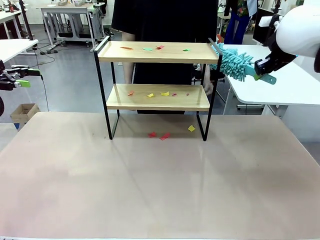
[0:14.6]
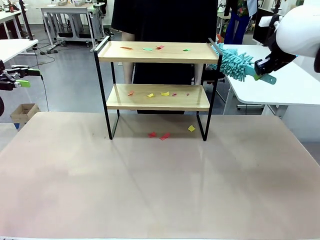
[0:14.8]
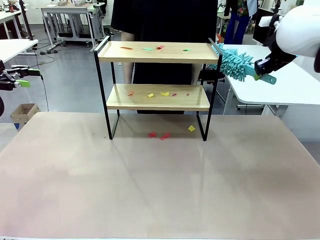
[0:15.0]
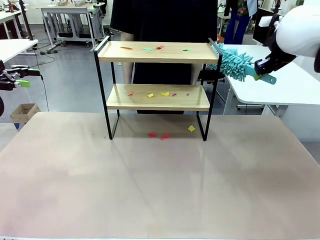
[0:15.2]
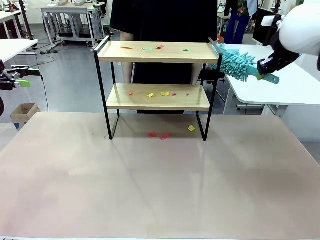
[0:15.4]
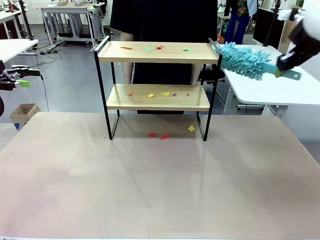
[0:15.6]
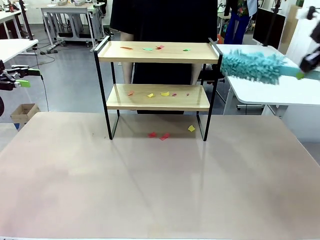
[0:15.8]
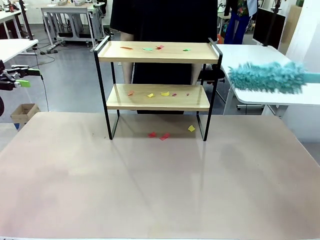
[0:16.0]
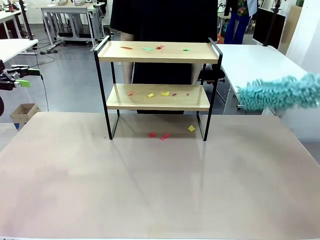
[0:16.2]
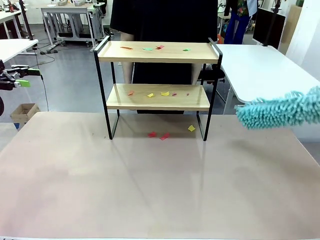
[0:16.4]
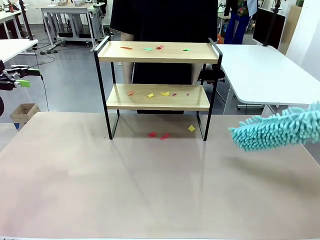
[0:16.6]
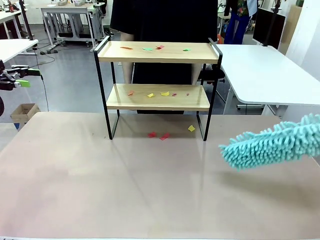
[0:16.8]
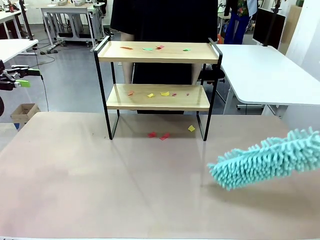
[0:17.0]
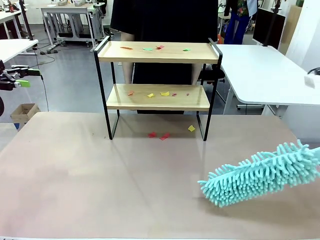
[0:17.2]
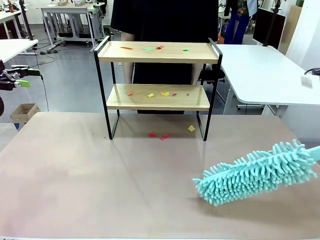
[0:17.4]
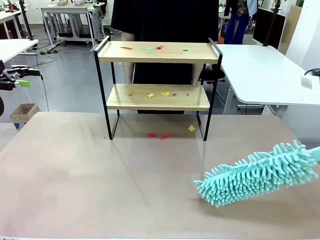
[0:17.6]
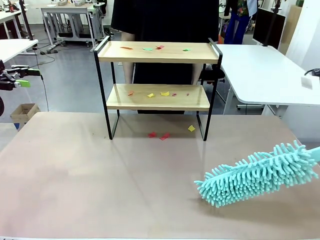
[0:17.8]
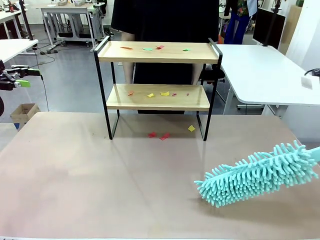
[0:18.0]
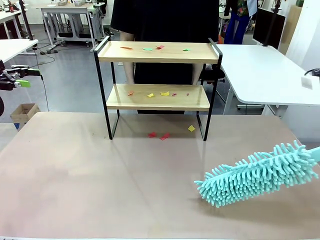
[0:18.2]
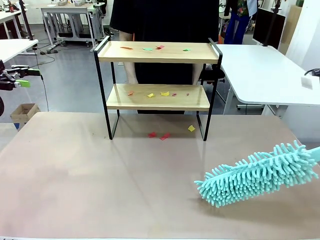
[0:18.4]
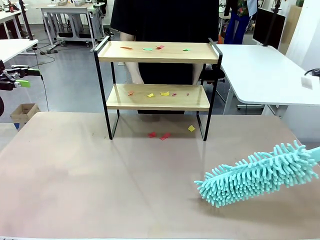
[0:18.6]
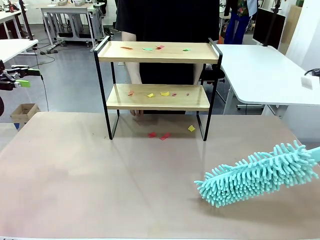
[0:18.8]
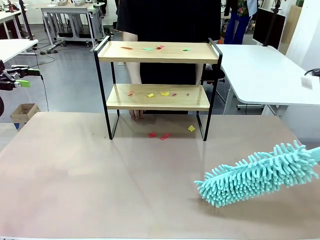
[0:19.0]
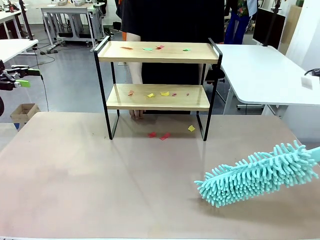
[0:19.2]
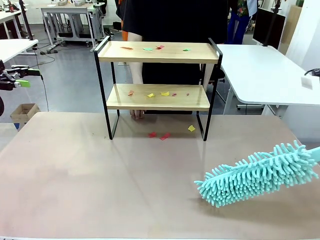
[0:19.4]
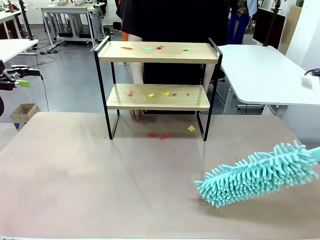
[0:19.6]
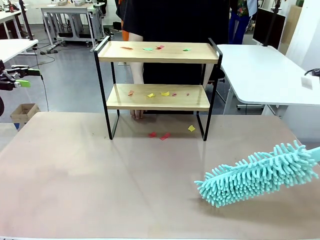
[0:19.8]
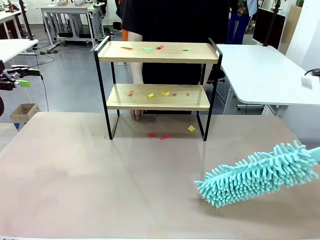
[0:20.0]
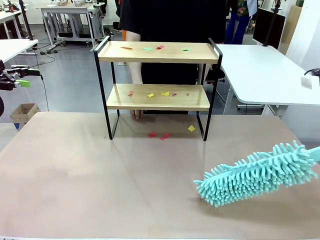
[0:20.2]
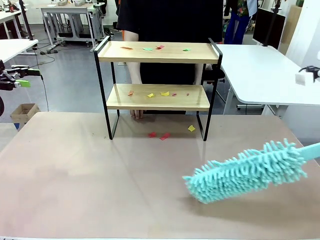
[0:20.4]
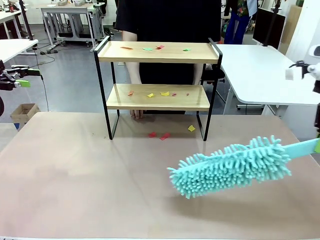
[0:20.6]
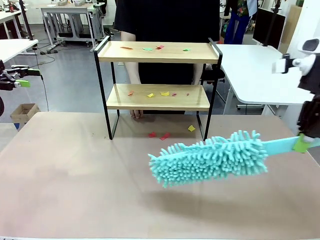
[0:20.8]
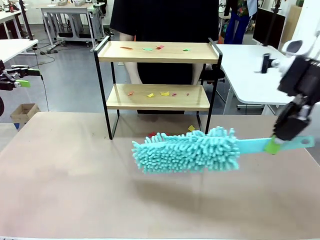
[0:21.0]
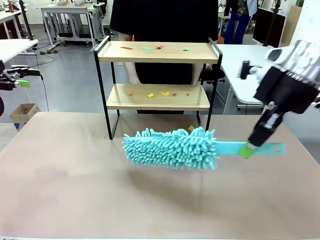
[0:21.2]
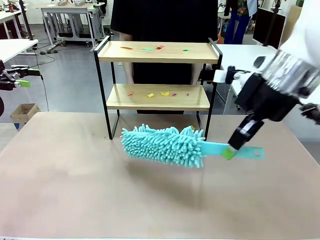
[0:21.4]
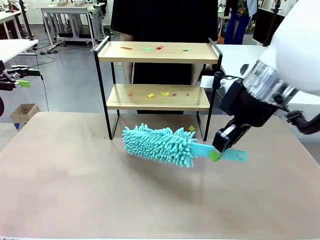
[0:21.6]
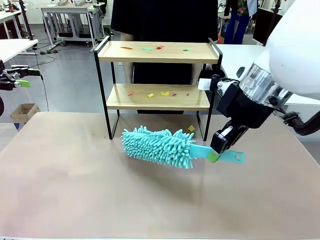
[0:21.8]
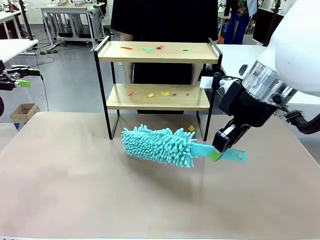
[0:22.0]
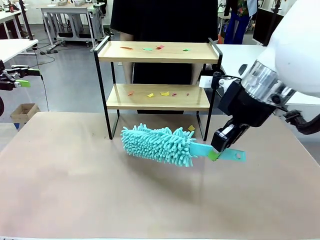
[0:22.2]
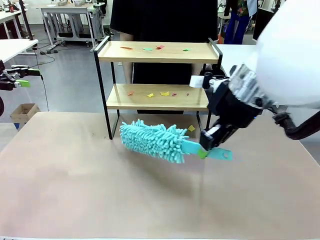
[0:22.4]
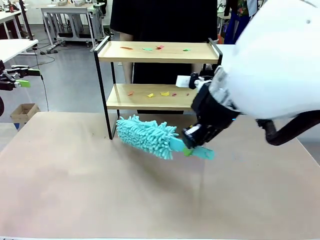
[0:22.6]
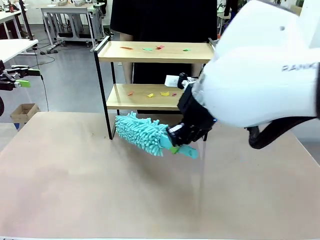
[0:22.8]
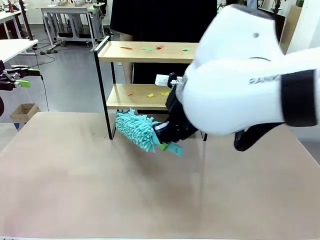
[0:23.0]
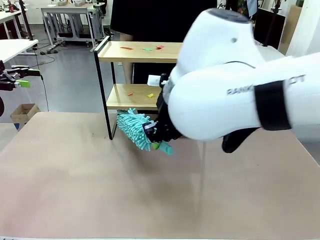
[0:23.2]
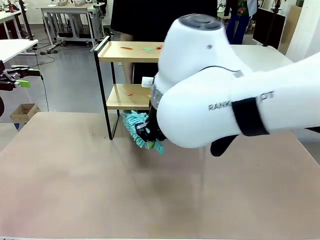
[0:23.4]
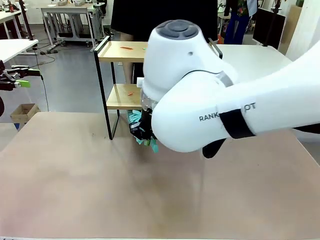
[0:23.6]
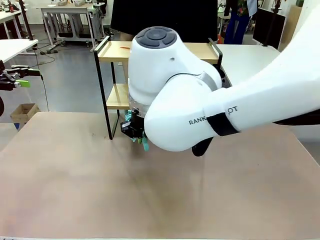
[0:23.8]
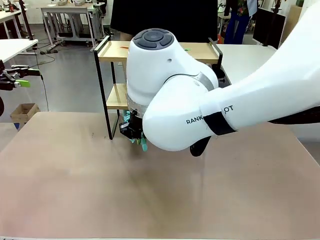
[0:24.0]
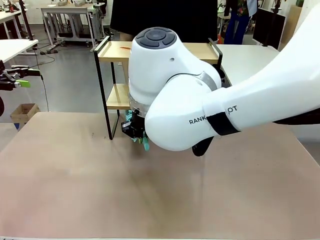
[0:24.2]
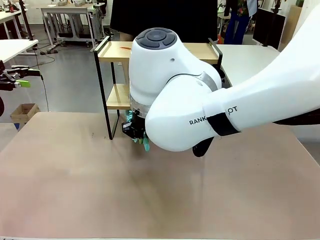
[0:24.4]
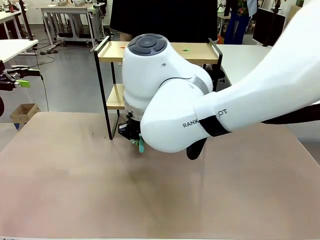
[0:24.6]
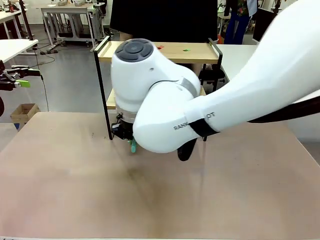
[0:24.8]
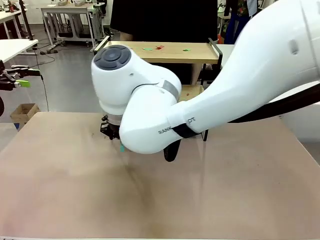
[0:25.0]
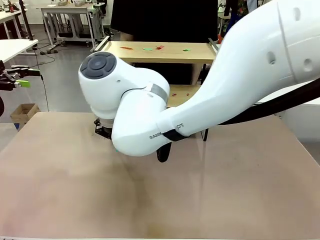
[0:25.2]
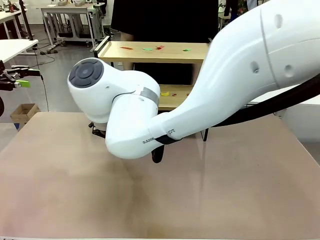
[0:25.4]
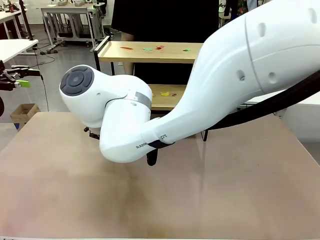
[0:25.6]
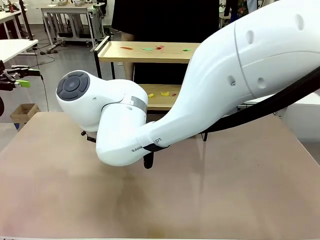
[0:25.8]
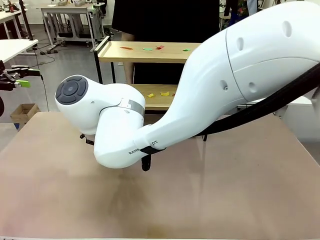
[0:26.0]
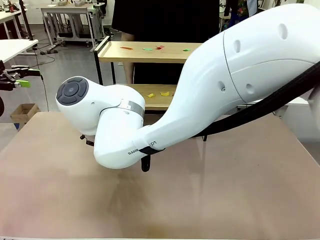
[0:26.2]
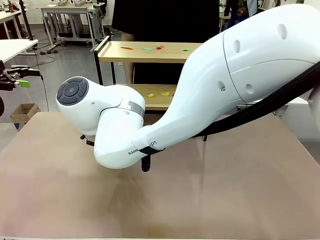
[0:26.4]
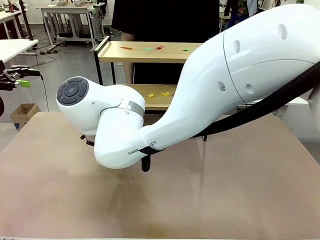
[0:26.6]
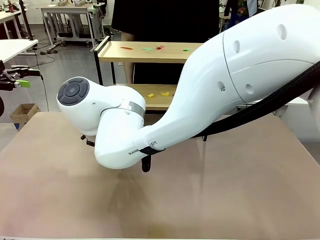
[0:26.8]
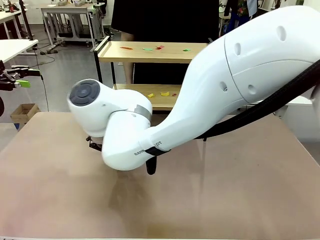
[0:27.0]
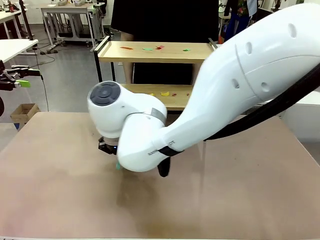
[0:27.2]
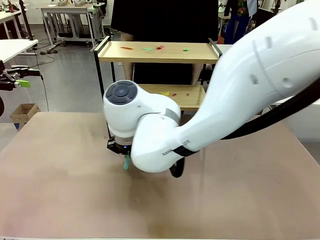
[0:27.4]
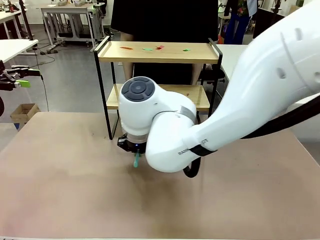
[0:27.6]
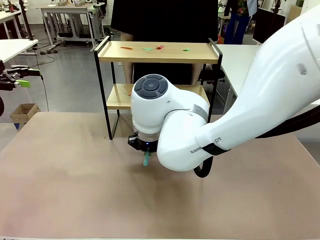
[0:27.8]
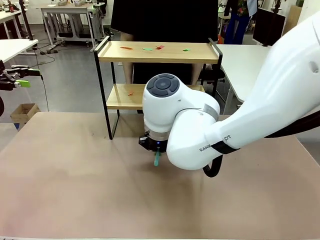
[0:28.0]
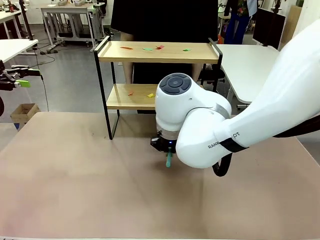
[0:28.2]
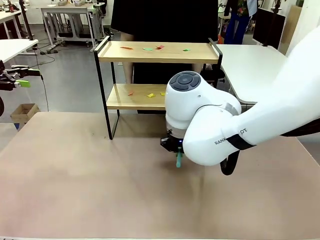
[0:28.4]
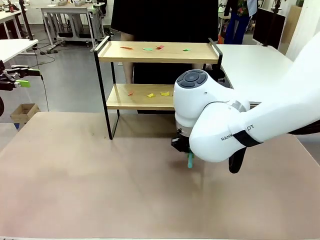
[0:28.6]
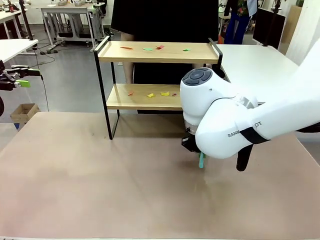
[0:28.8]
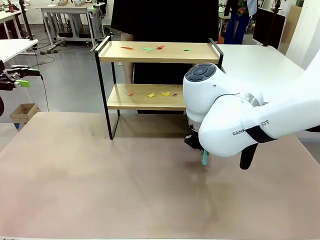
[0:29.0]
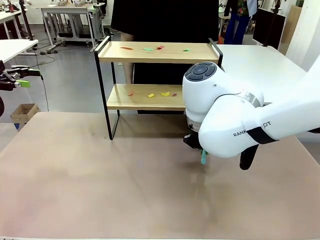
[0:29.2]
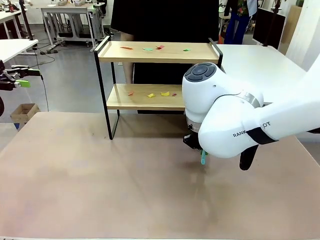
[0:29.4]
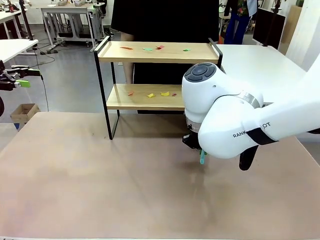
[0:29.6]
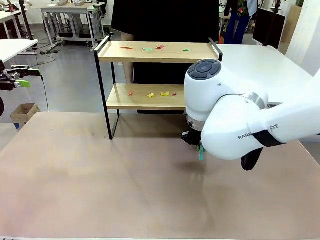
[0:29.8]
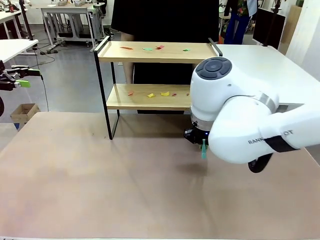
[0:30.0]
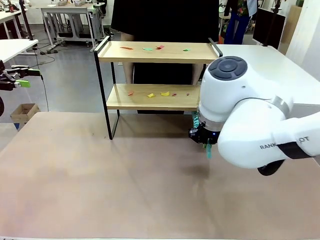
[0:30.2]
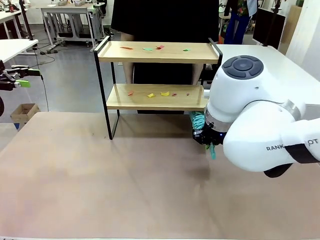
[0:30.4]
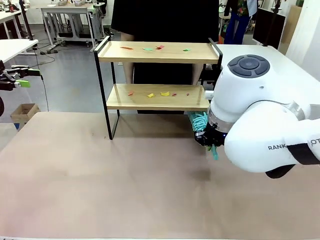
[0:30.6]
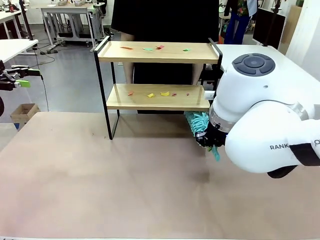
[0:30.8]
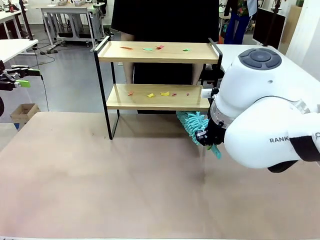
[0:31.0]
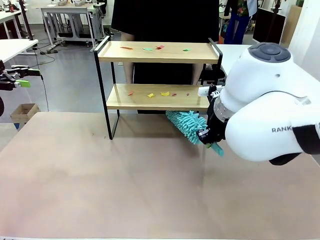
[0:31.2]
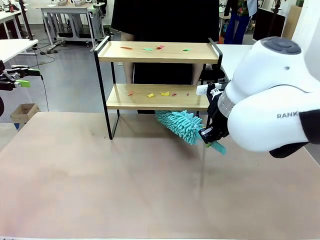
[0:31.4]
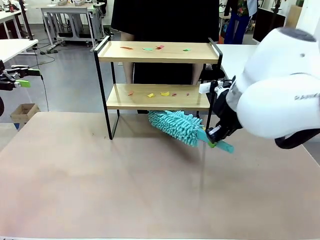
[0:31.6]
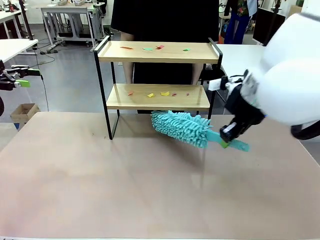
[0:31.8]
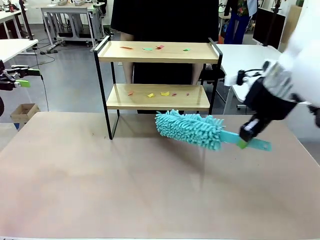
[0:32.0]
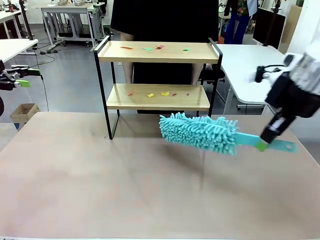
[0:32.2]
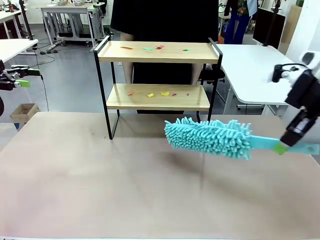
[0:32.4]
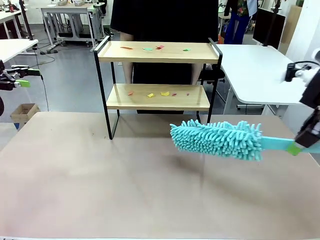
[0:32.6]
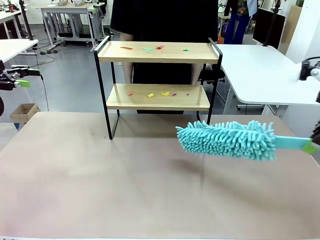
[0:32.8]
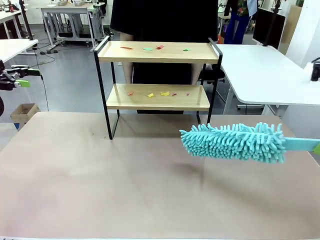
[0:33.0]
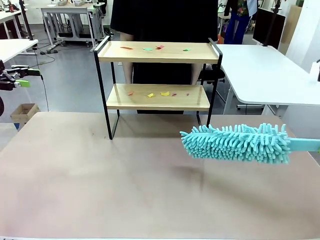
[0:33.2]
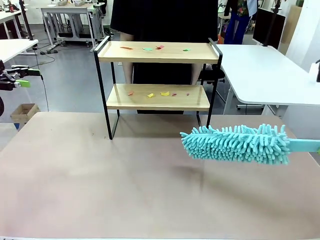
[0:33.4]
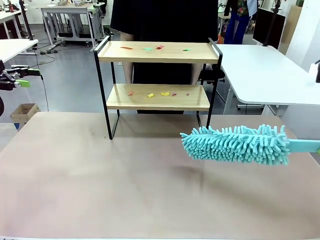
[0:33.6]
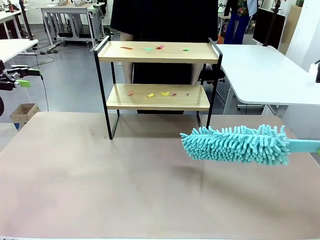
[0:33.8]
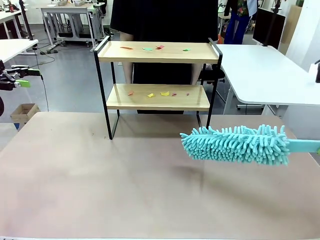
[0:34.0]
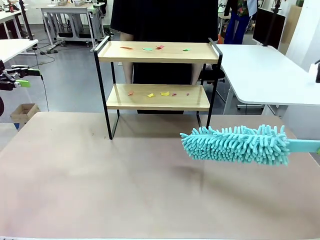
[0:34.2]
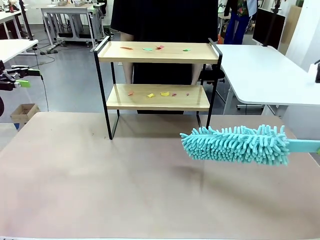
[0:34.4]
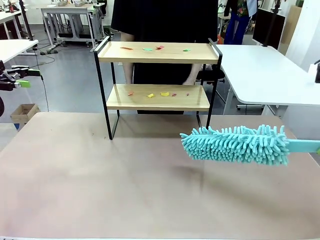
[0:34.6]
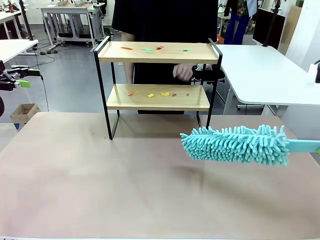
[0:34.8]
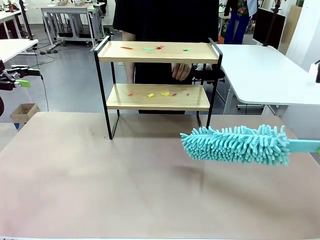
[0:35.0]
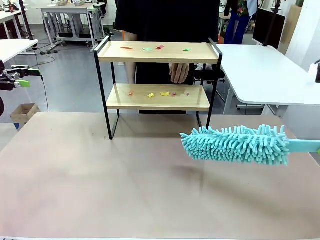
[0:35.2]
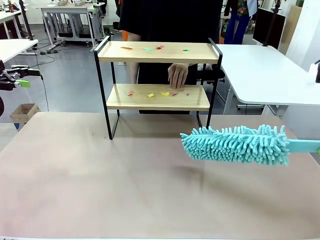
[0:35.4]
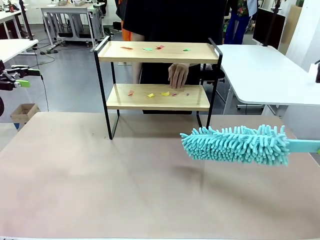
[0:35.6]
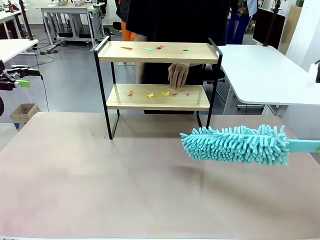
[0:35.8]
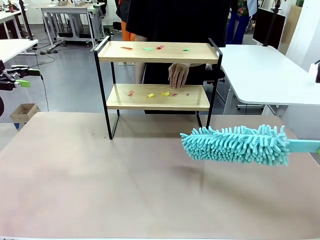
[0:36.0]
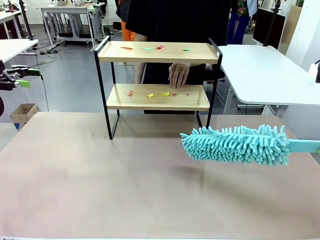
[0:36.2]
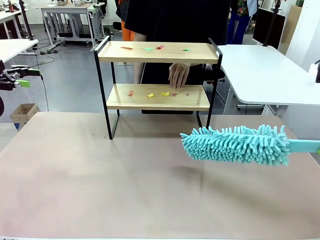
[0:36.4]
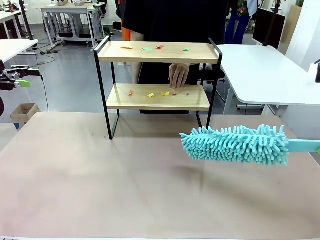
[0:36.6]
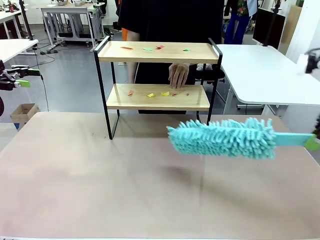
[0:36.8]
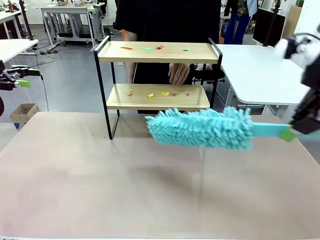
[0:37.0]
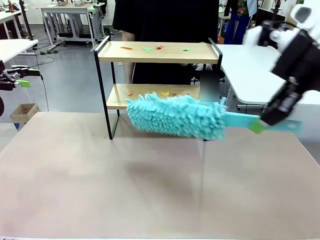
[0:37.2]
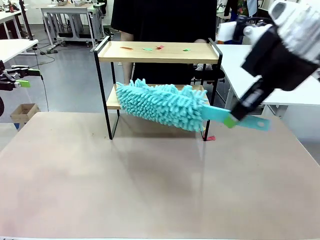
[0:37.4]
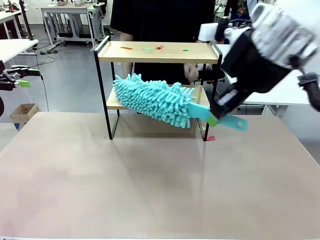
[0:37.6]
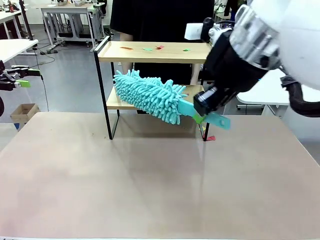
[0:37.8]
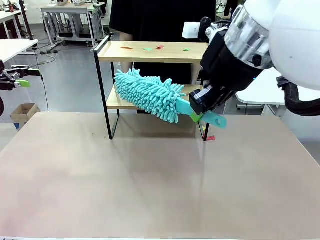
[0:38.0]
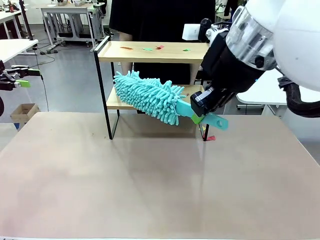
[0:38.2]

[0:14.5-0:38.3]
Task: Clean the shelf.
Robot: Clean the specific section of the Shelf indicated by the human with the Duster.
Person: Point a random section of the Shelf.
